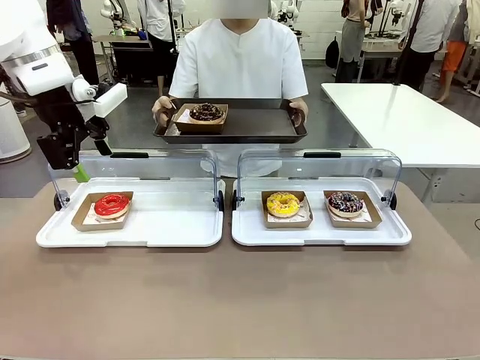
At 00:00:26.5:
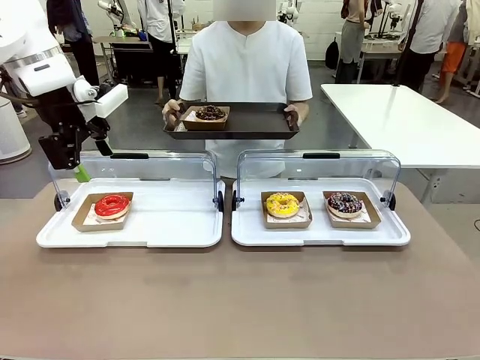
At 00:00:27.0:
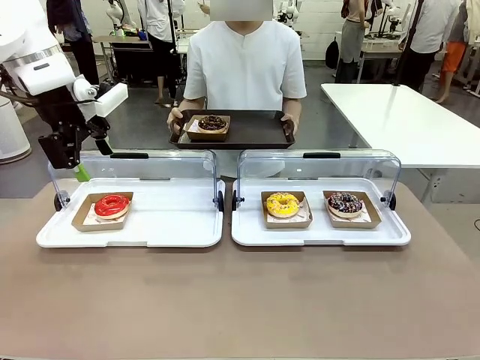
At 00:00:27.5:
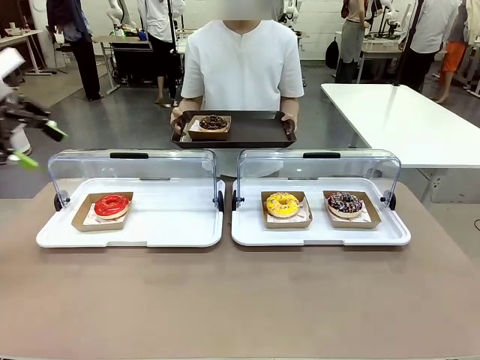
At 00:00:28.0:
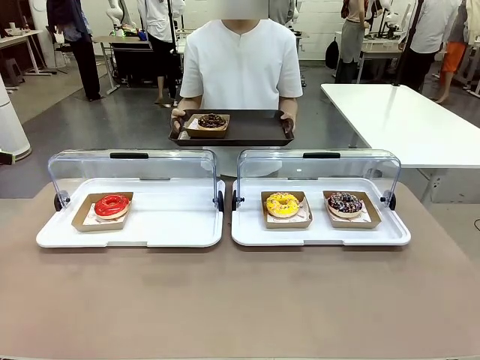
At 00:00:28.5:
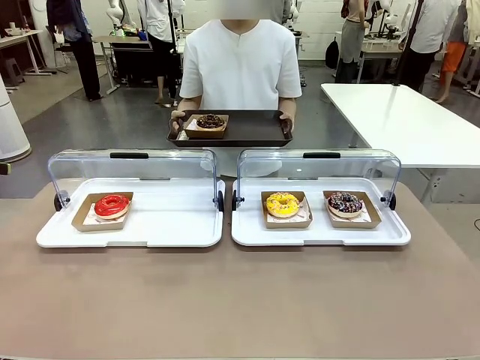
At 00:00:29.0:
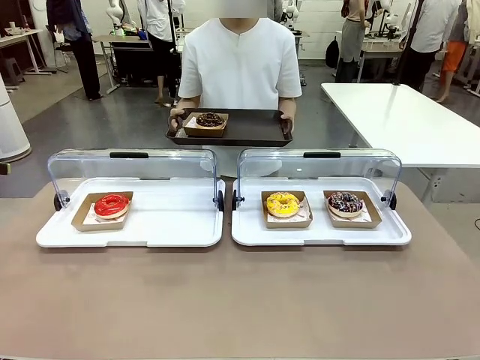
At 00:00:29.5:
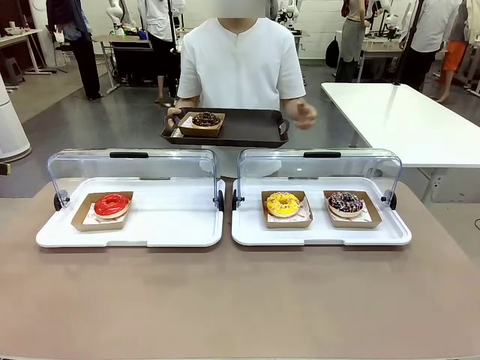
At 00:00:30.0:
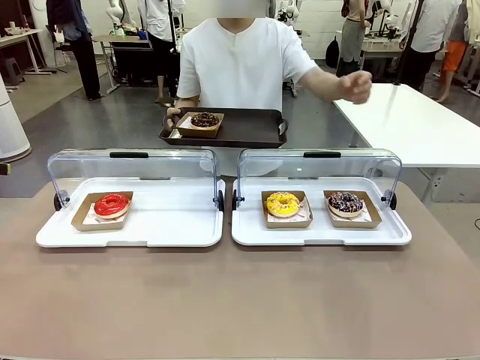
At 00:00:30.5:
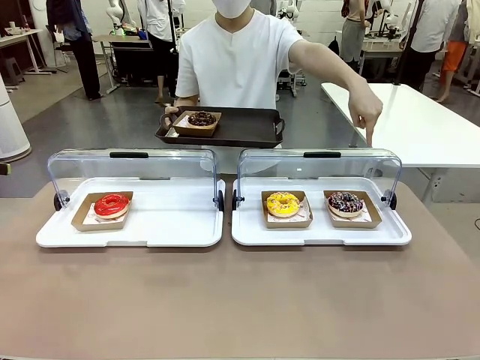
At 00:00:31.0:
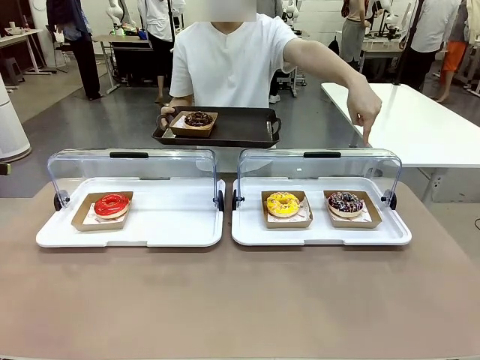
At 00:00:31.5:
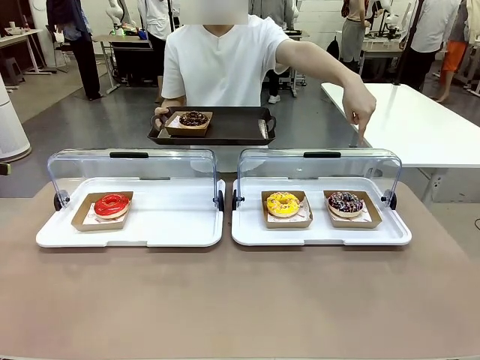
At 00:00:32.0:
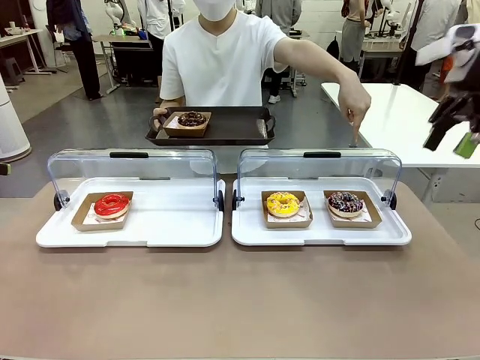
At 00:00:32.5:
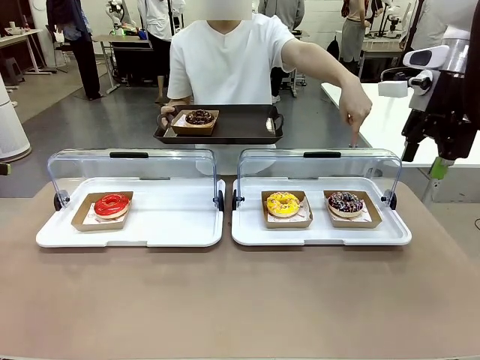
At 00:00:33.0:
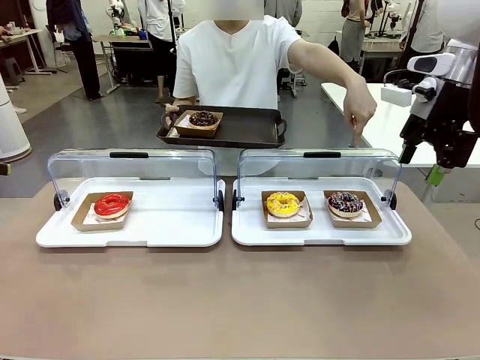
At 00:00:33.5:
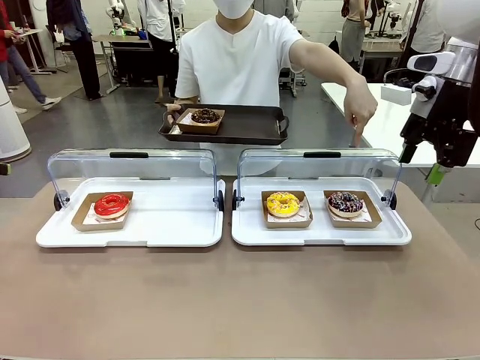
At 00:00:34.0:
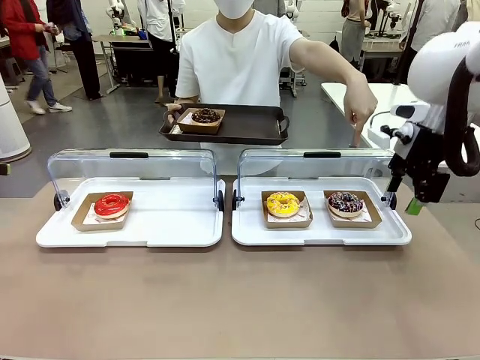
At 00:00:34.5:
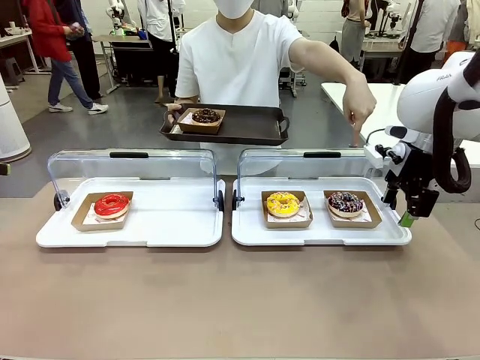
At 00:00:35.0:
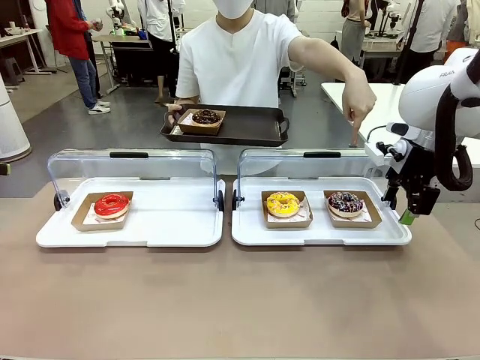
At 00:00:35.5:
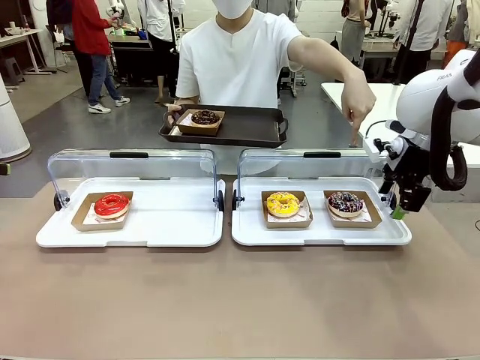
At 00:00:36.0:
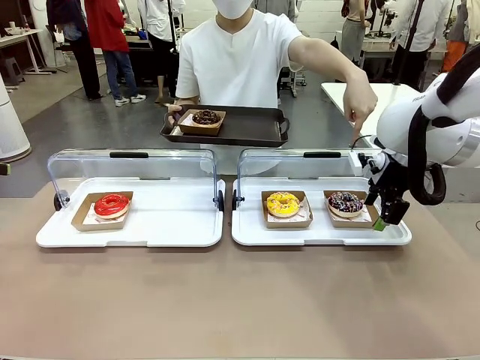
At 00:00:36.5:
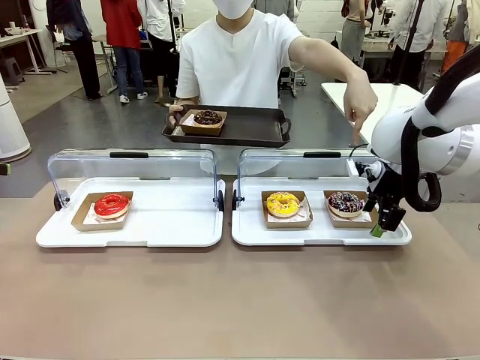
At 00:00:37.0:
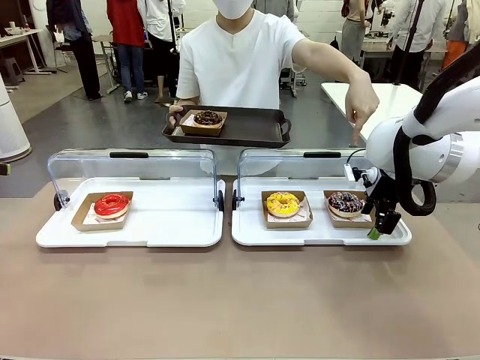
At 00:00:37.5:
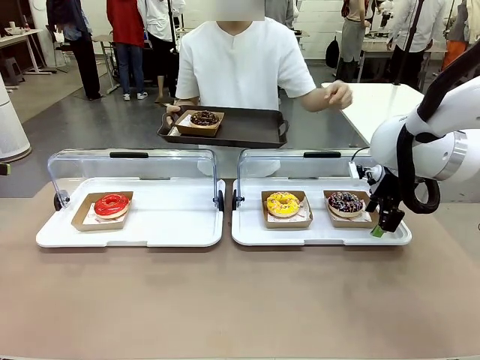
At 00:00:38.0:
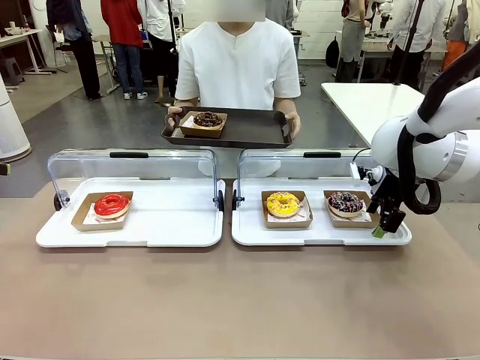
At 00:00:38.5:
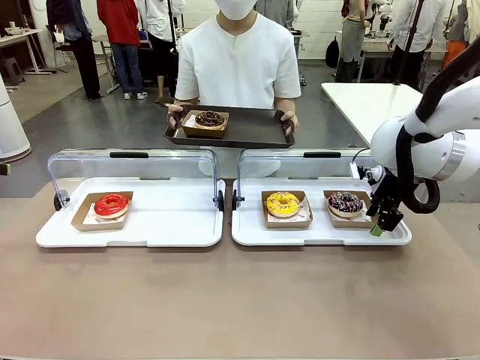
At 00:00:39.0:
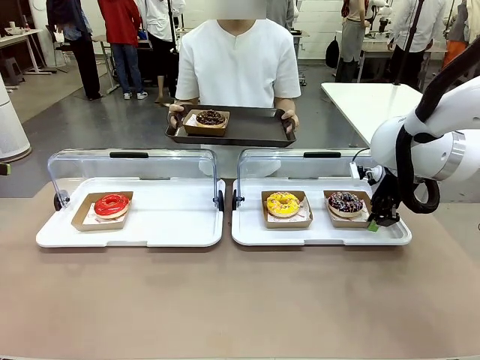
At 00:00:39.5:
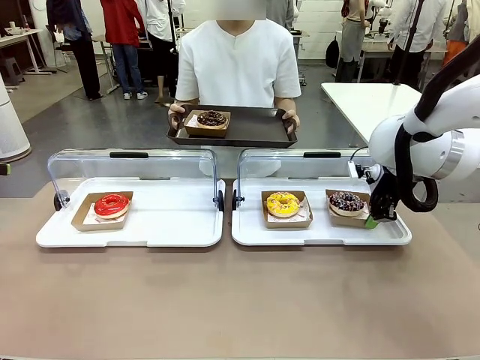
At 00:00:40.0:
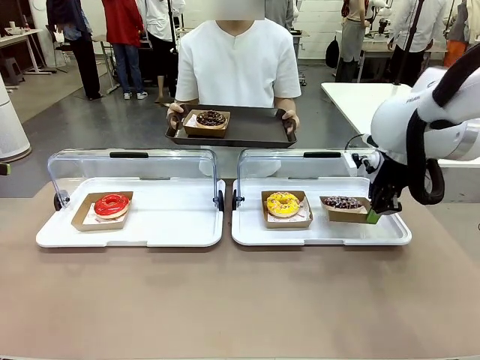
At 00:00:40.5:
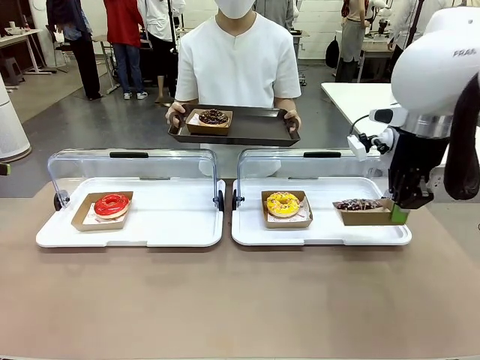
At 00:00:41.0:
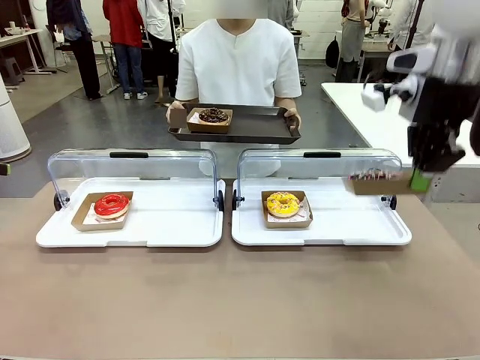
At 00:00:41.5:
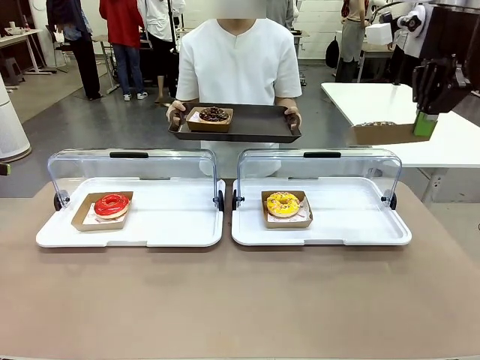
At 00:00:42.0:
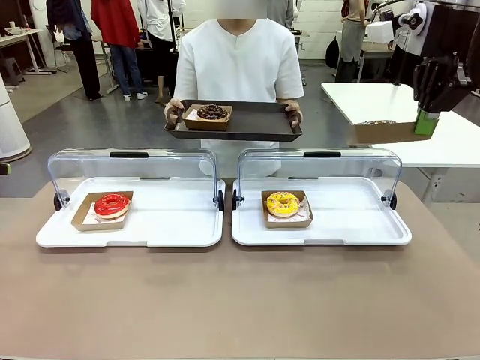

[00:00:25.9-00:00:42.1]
Task: Provide the desired donut to the person.
Robot: Pick up and lift the Paper togo box containing the Donut pointed at by the person.
Person: Point to one donut. Lift the tray onto the Roll-Top Bakery Case.

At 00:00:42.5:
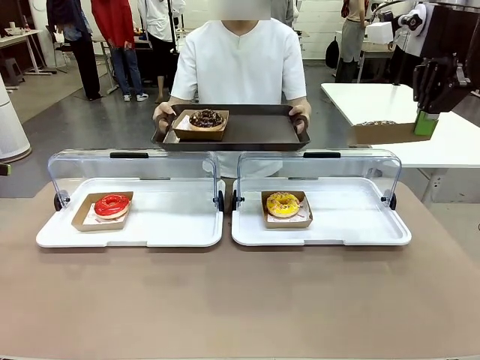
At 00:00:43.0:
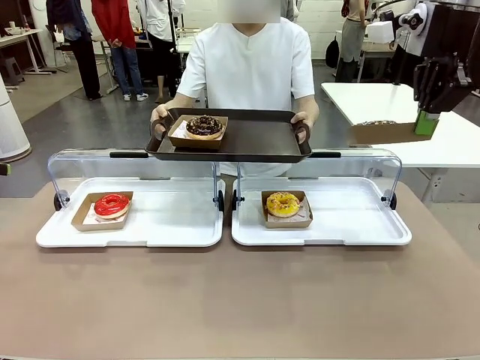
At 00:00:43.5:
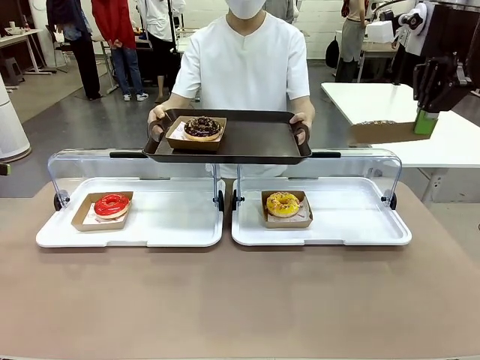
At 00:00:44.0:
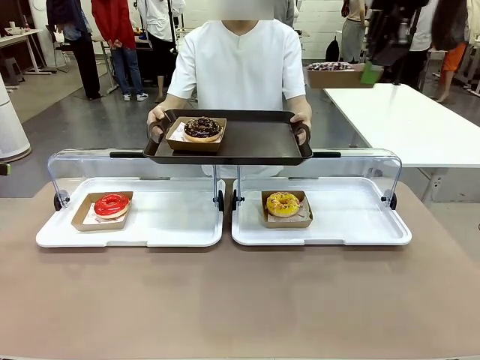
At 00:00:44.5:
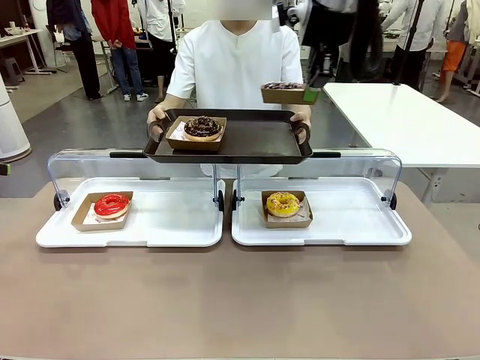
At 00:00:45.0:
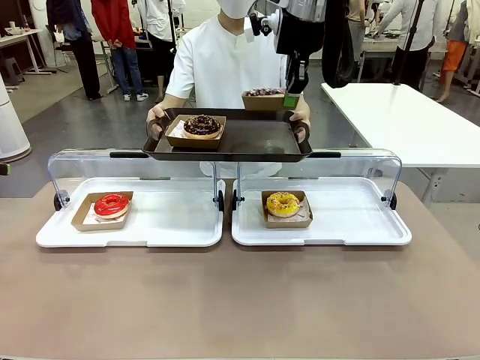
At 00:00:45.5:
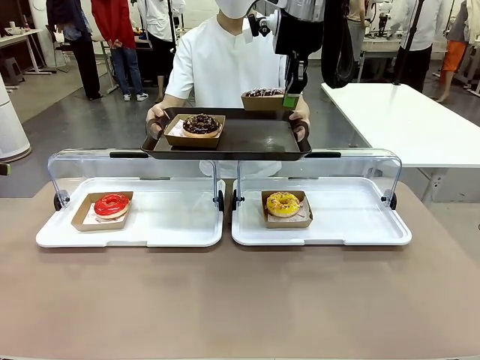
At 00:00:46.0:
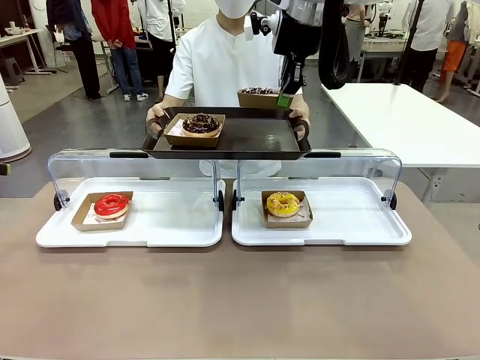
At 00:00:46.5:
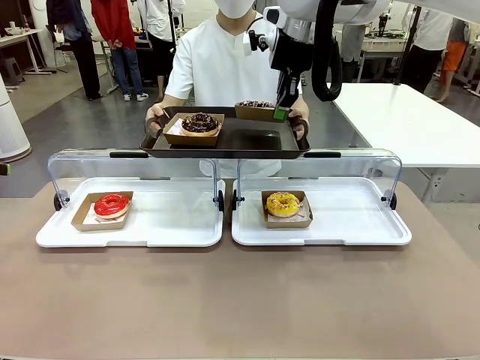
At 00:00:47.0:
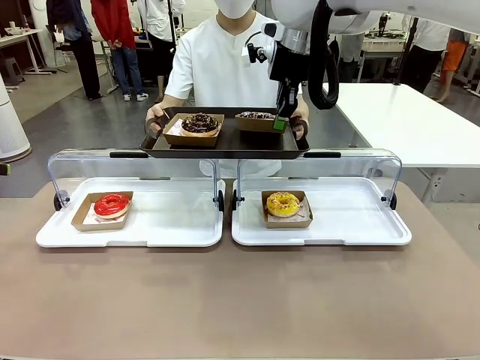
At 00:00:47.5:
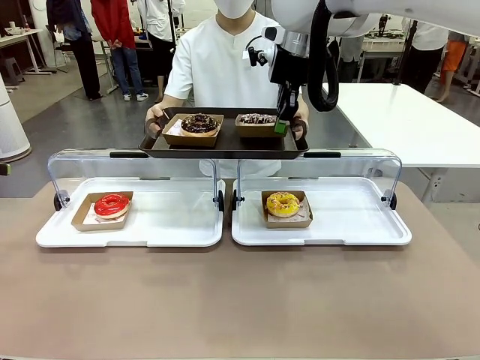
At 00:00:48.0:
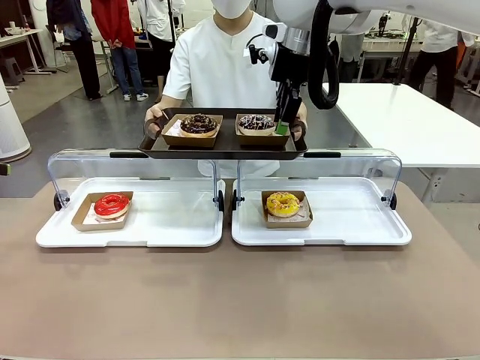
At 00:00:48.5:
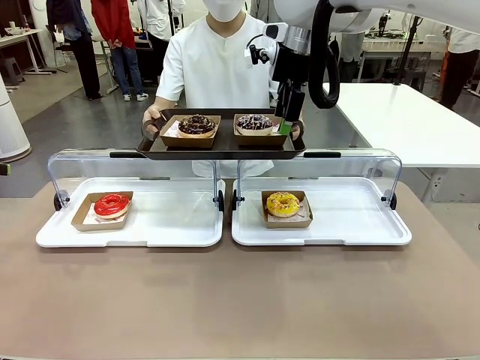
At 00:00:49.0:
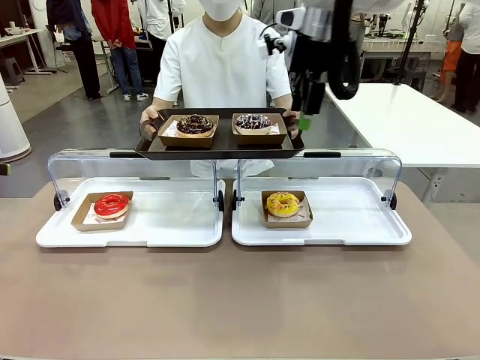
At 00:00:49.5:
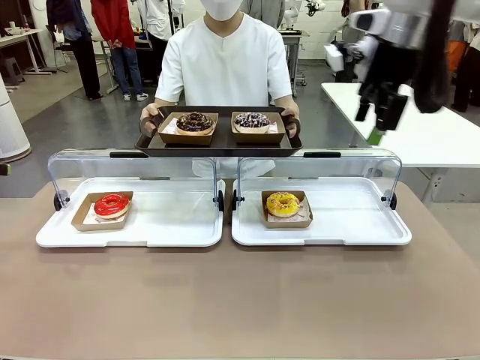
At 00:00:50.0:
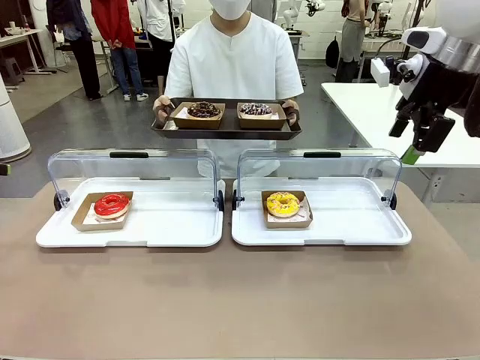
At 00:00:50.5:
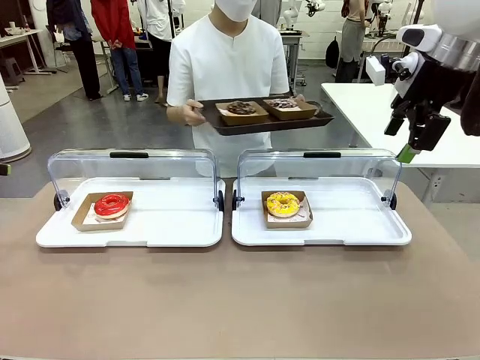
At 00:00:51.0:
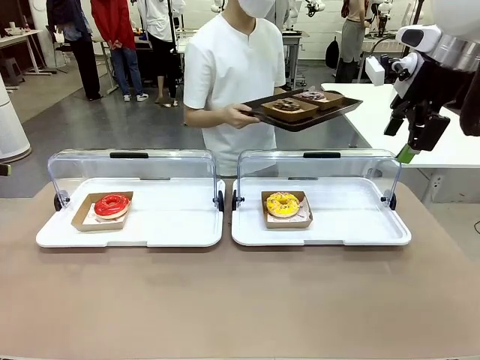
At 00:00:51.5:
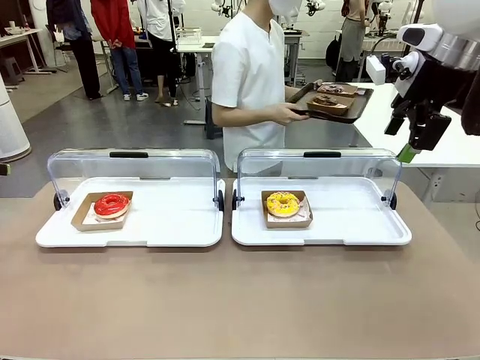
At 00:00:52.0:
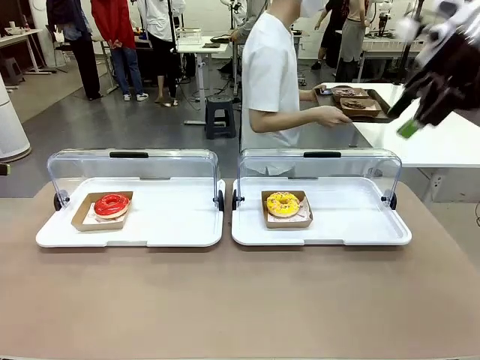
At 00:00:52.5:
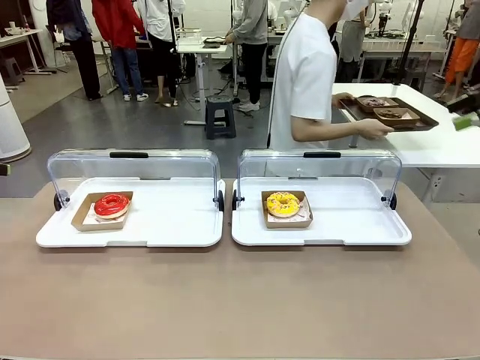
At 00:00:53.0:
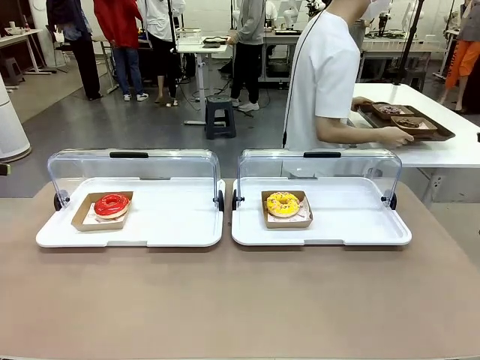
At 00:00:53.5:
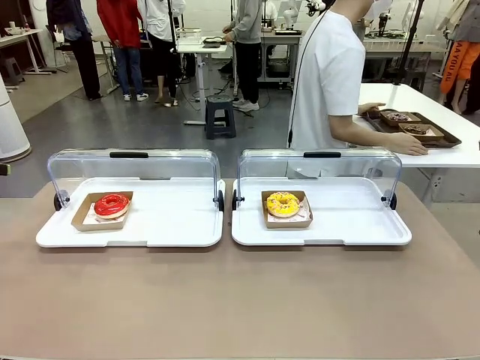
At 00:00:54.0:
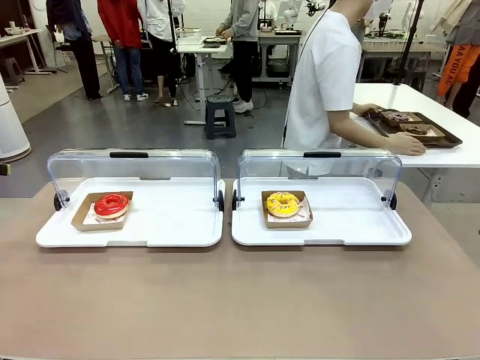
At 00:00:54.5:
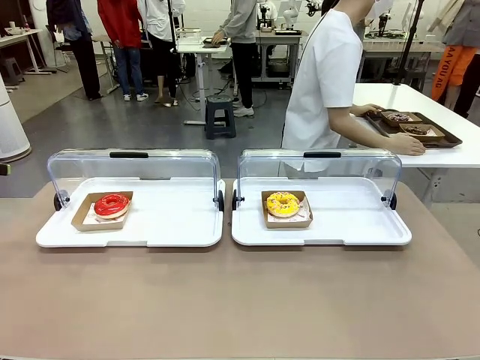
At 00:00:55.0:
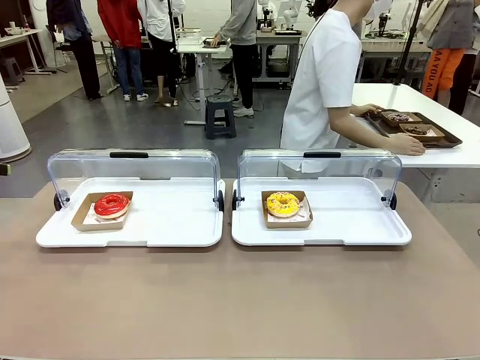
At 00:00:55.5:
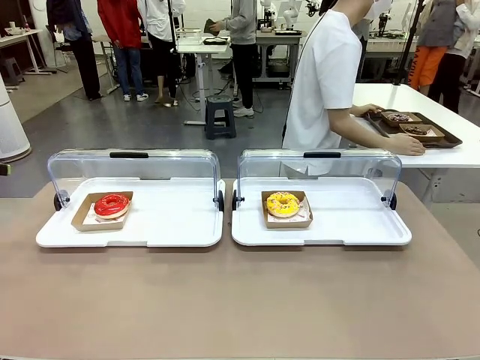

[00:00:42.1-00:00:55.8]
Robot: Place the picked Paper togo box onto the Handle tray extended by the person.
Person: Place the tray in the middle of the human table.
